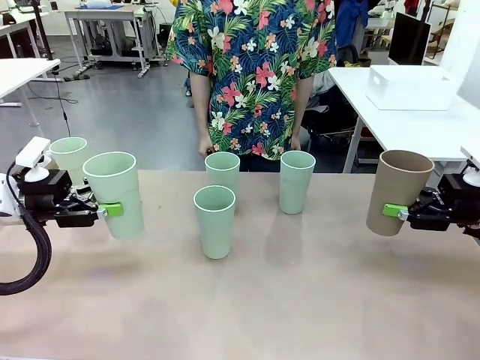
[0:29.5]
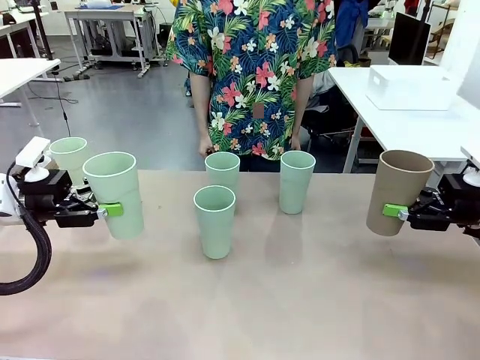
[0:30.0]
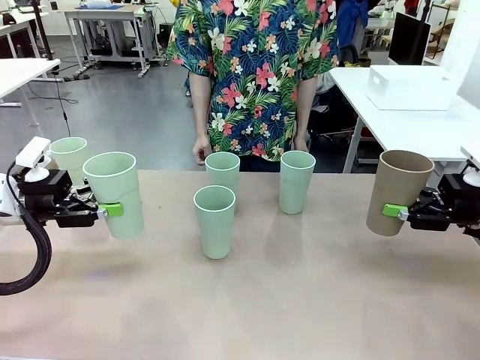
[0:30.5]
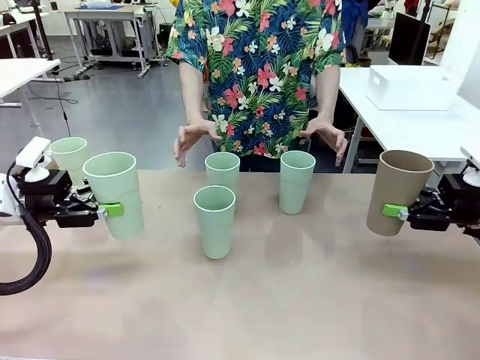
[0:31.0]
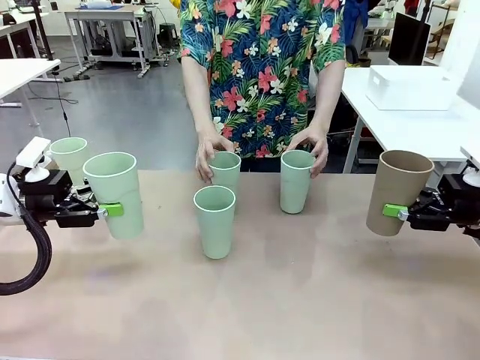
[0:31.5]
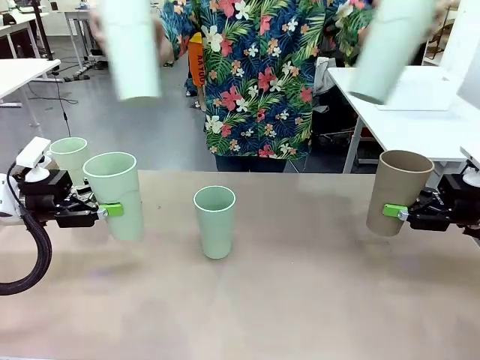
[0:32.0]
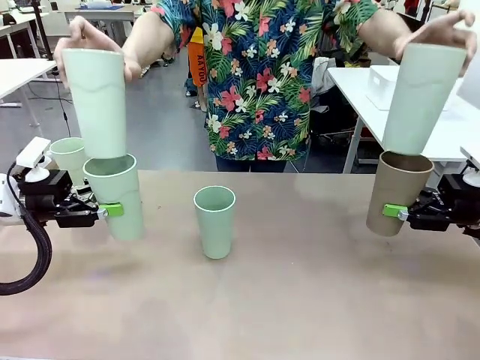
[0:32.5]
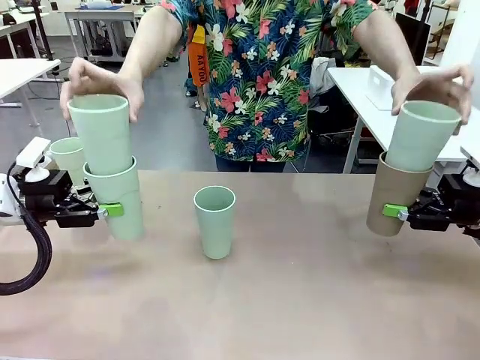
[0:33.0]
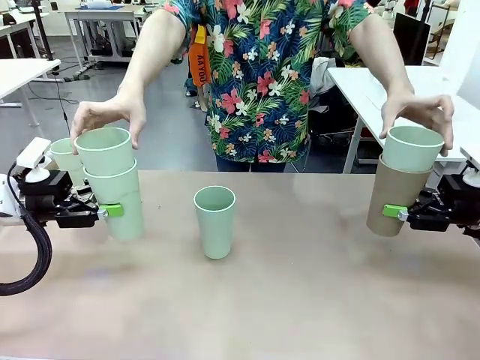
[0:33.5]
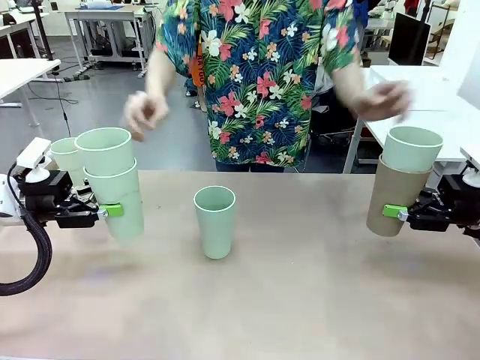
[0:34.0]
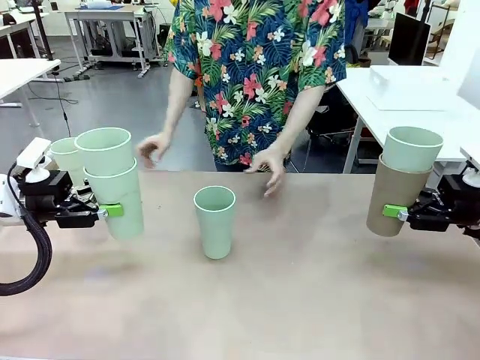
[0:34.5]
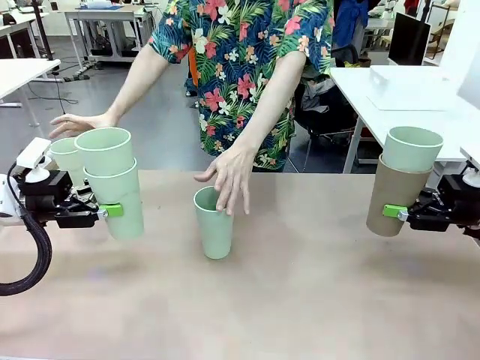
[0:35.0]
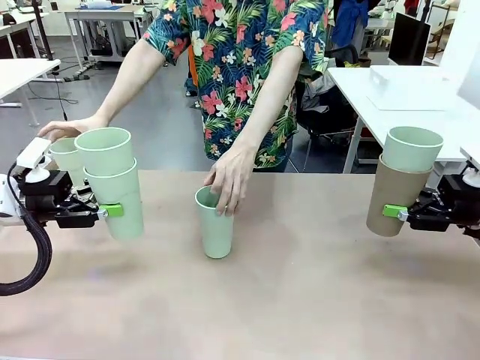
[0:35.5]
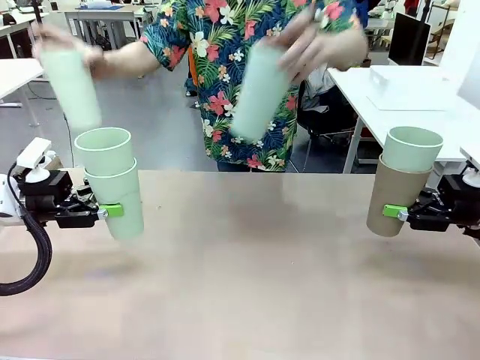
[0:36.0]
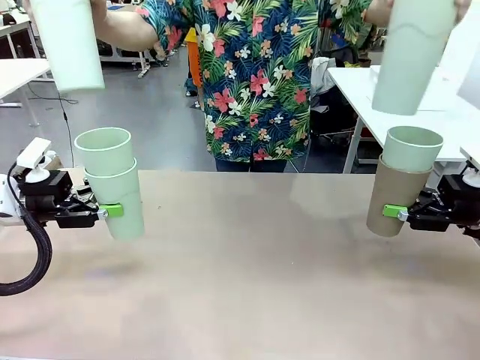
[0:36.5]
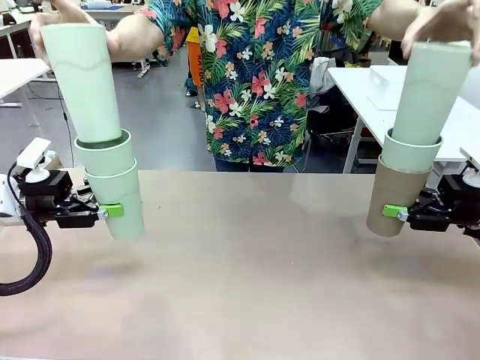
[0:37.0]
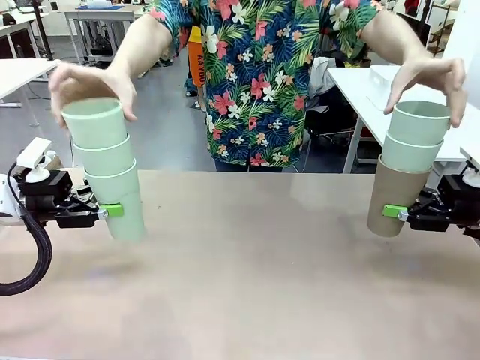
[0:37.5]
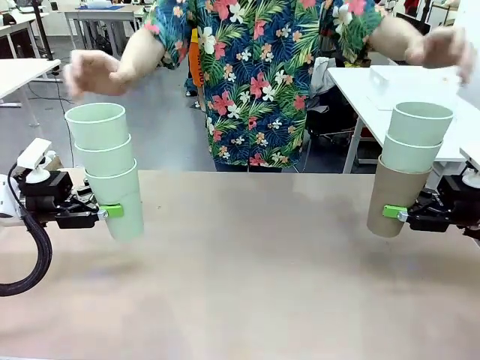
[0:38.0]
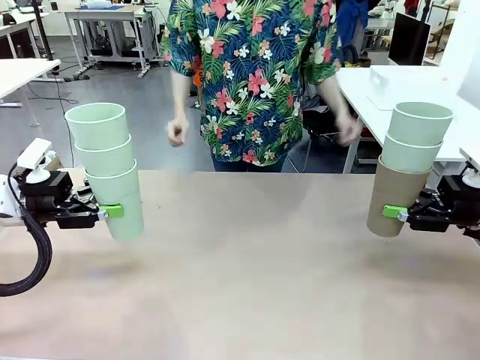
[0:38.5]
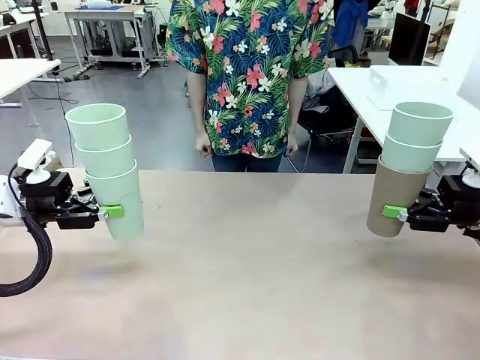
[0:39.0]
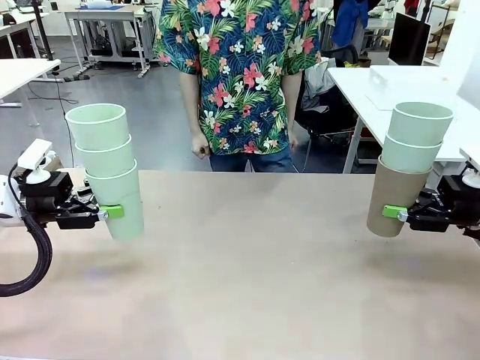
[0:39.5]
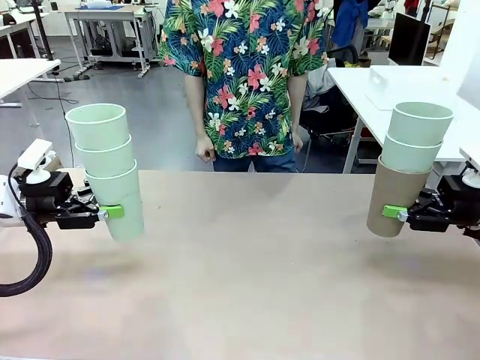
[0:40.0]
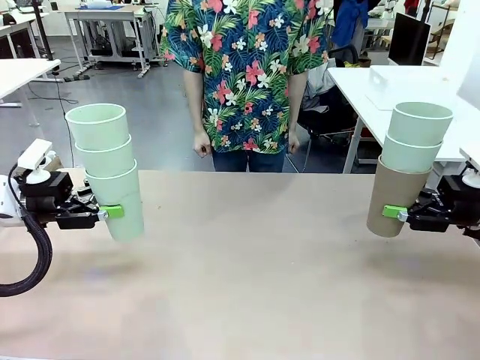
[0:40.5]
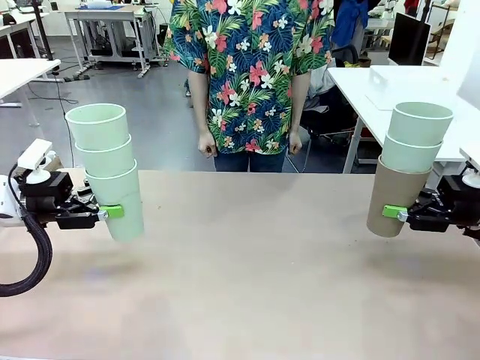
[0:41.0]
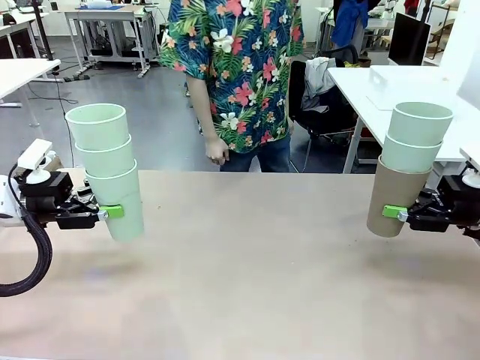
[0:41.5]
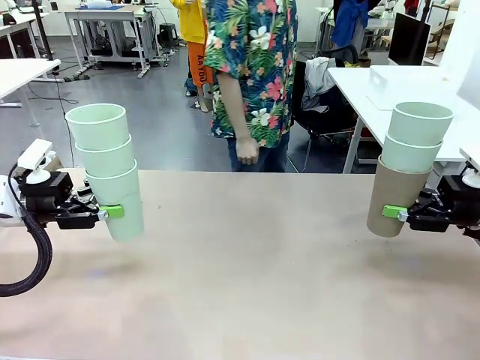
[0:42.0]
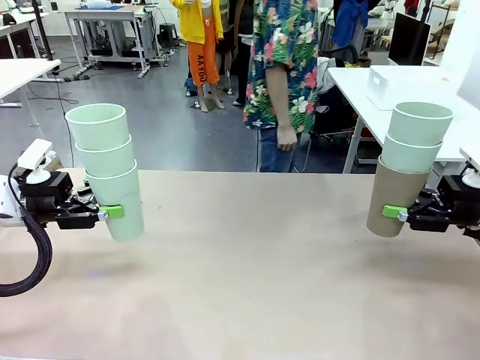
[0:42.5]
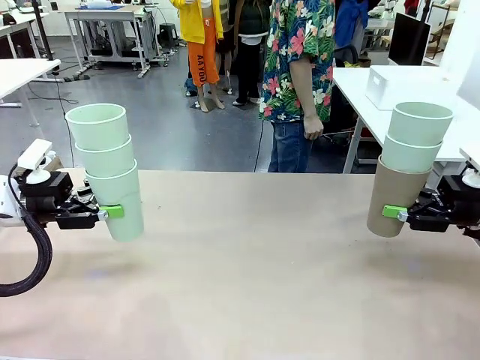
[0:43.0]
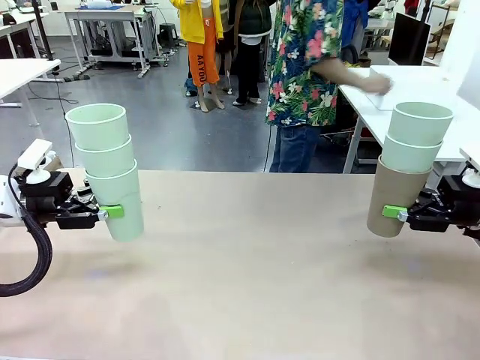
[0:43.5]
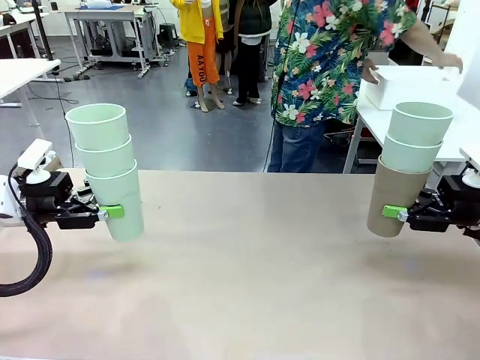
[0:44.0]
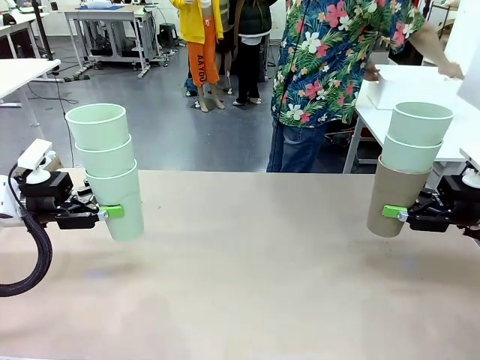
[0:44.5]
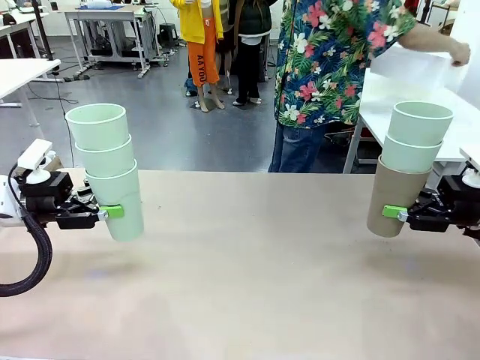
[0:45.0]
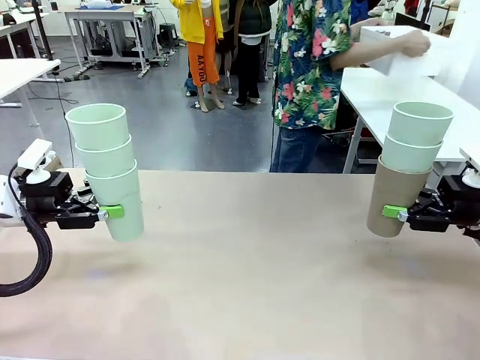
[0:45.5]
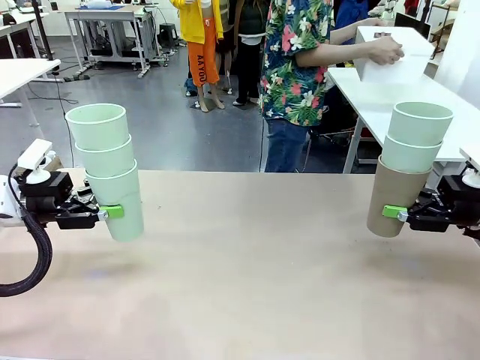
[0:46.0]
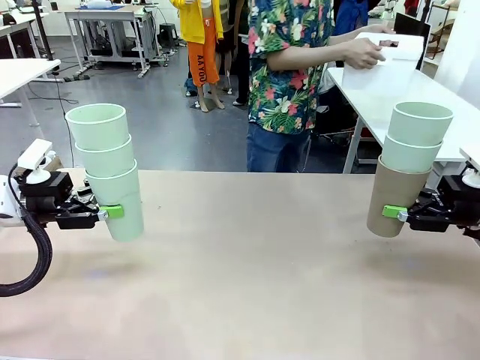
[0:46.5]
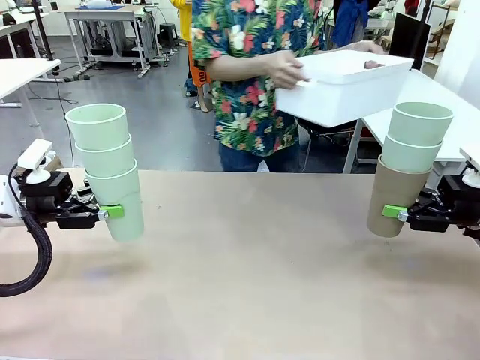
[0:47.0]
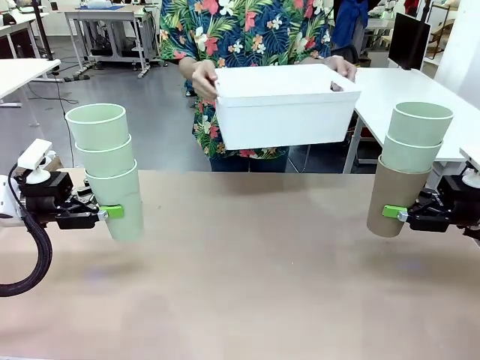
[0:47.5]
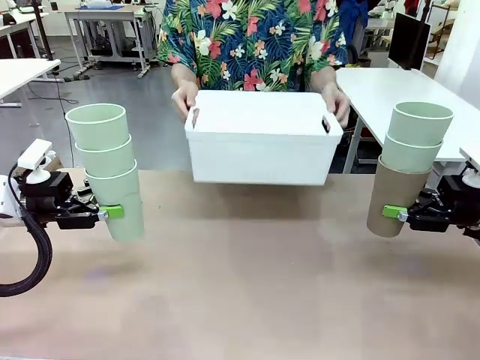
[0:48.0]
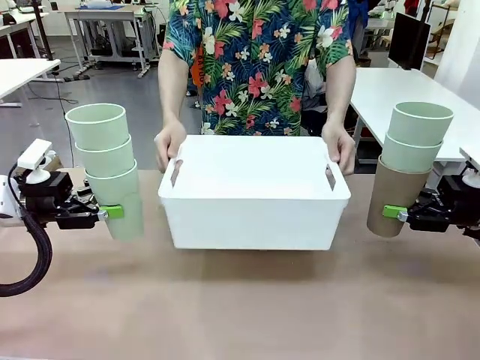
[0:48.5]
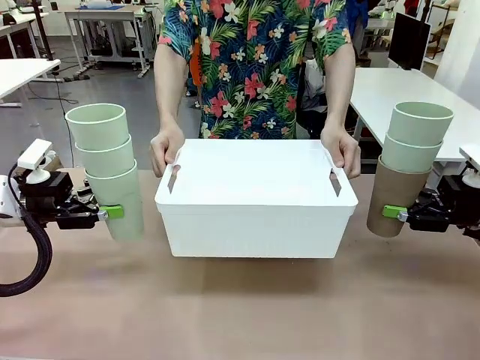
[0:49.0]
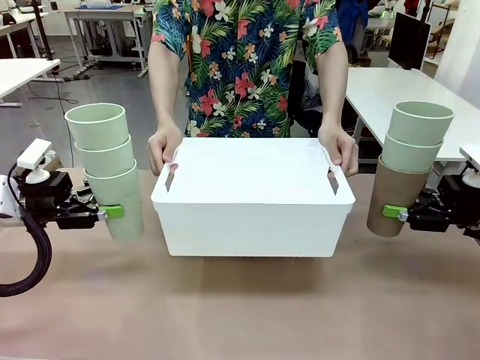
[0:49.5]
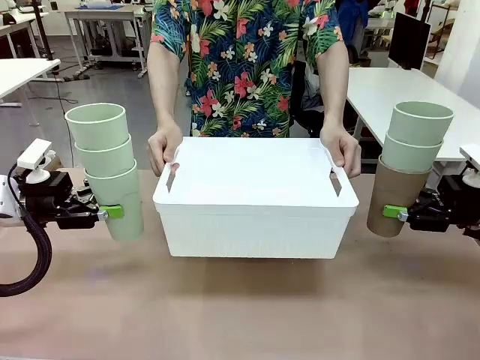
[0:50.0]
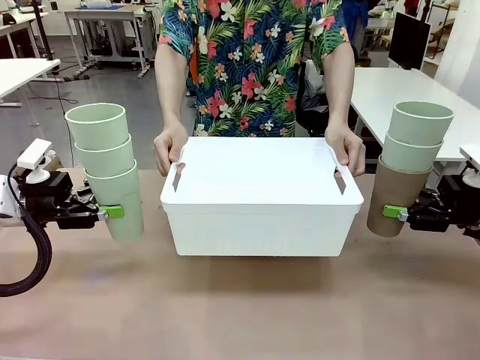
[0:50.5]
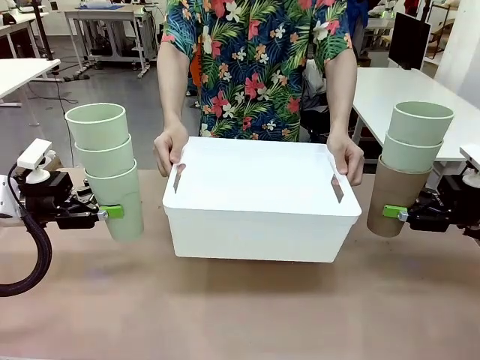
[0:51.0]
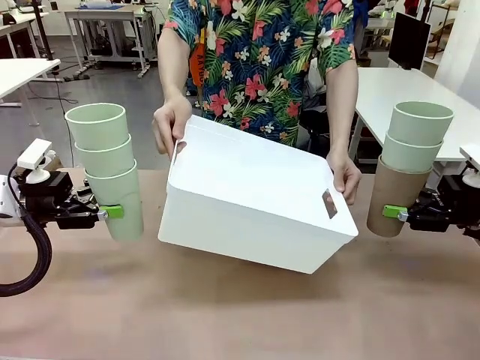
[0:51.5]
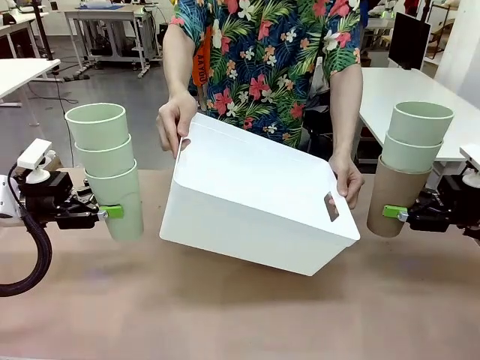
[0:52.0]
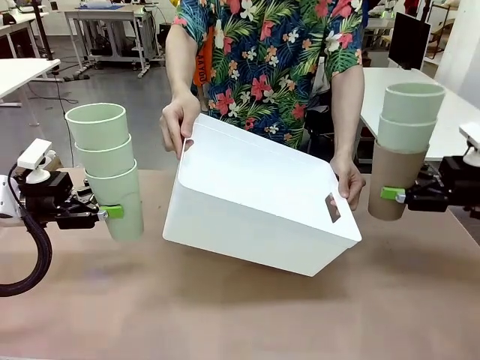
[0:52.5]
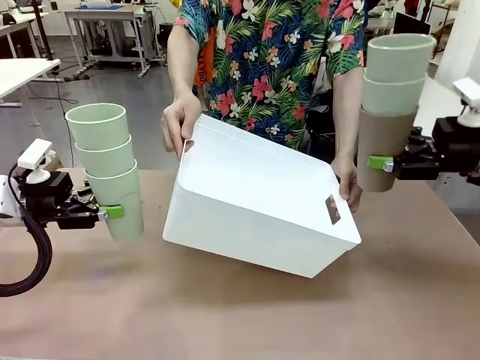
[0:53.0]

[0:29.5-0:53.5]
Task: Stack the cups and store them in the basket.
Robot: Place the stack of Reusable plastic cups into the Pantry Basket.
Person: Pick up the basket from the Human Table, bring it to the front of the robot, and present it.

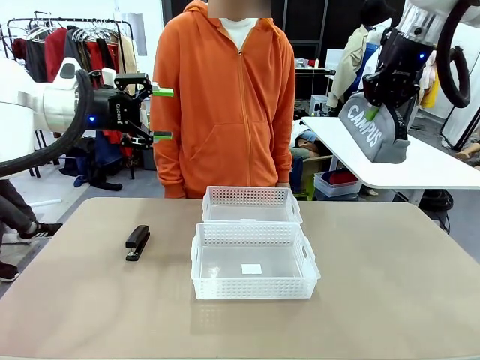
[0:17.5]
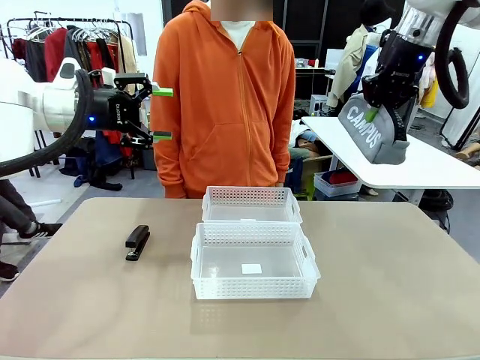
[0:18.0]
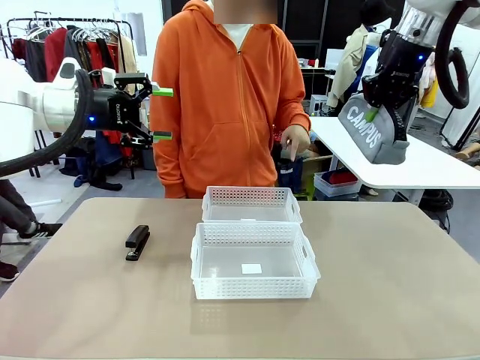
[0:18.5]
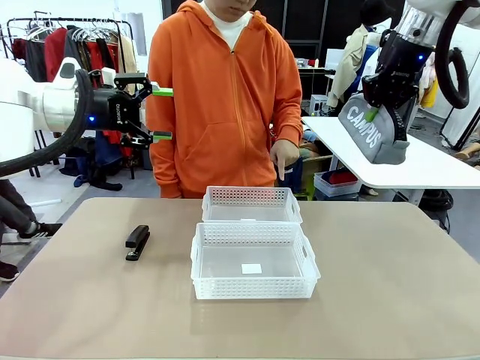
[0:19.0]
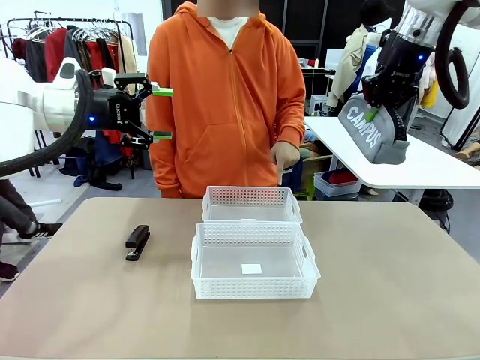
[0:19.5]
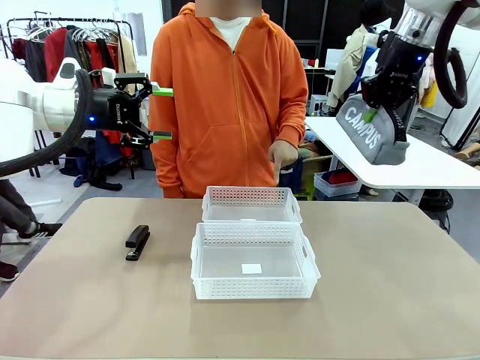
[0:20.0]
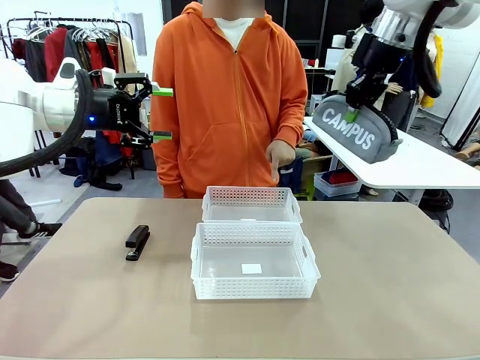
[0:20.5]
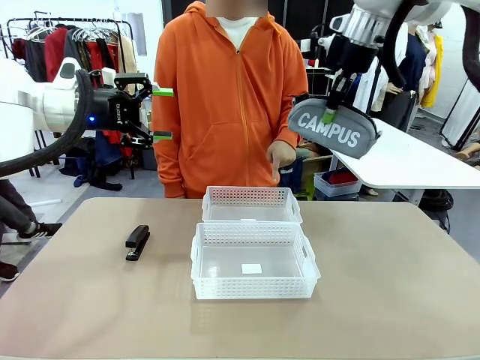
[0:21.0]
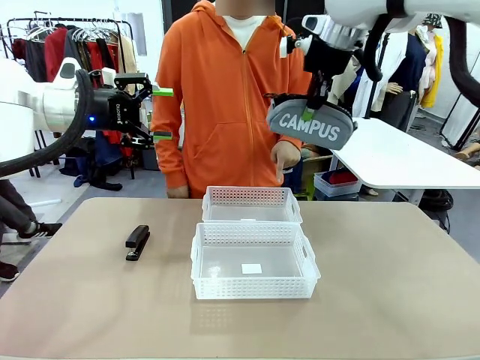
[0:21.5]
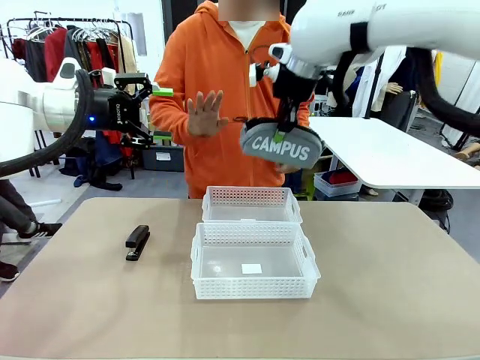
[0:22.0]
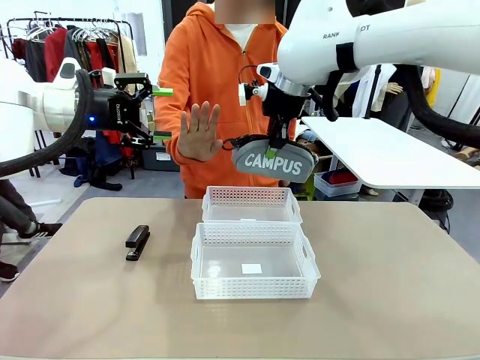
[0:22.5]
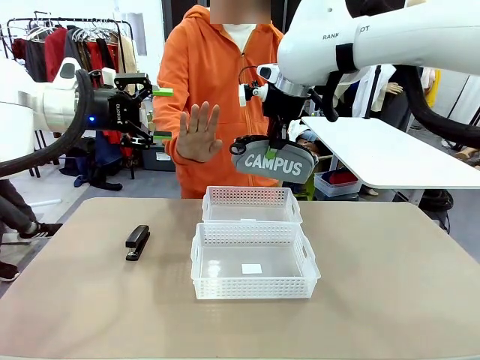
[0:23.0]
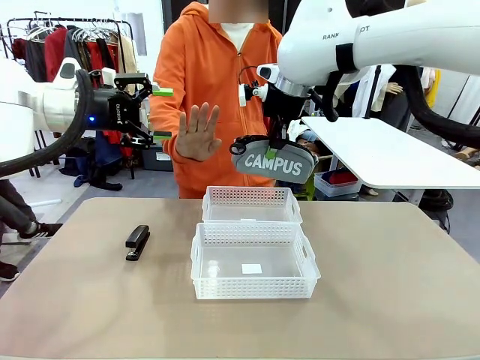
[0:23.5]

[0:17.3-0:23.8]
Task: Distribute items into two baskets.
Robot: Move the picked Pencil pouch towards the Organizing basket indicated by the person, stopping as directed.
Person: Sends a stop gesture before the robot places the pencil case into the basket.
